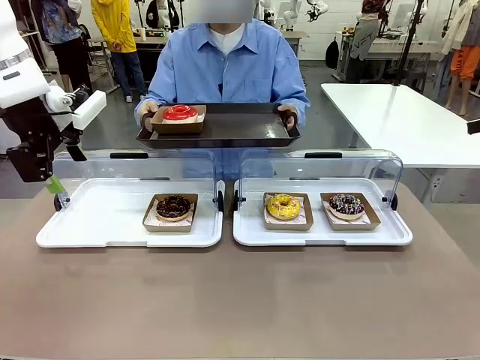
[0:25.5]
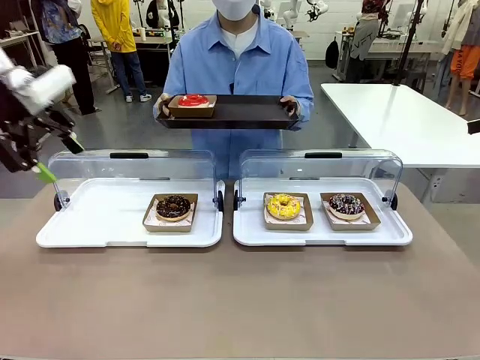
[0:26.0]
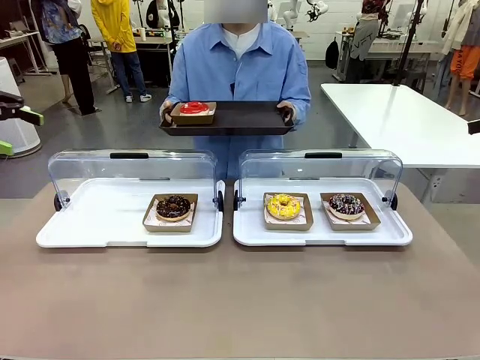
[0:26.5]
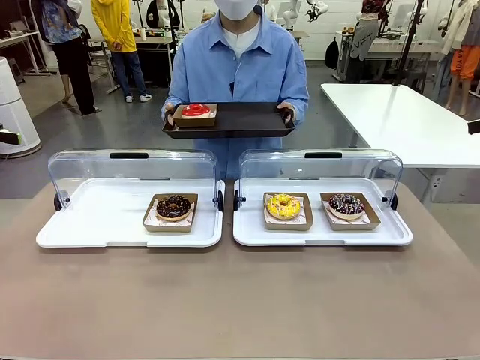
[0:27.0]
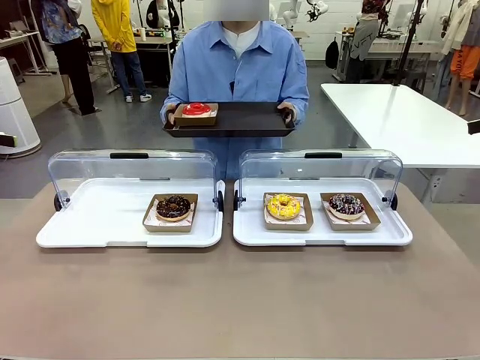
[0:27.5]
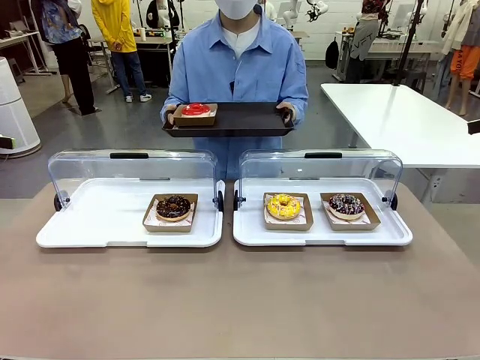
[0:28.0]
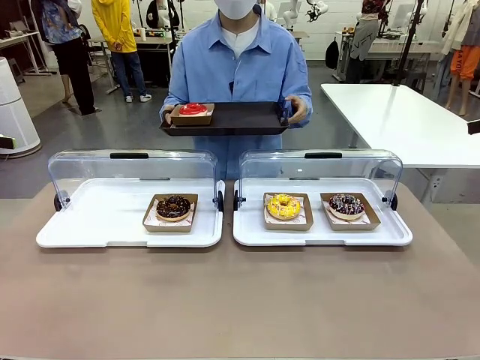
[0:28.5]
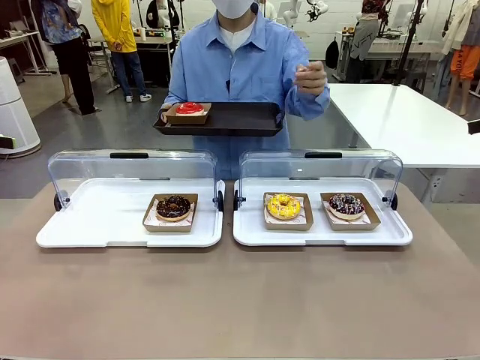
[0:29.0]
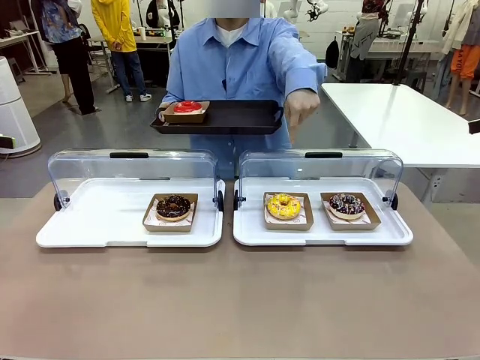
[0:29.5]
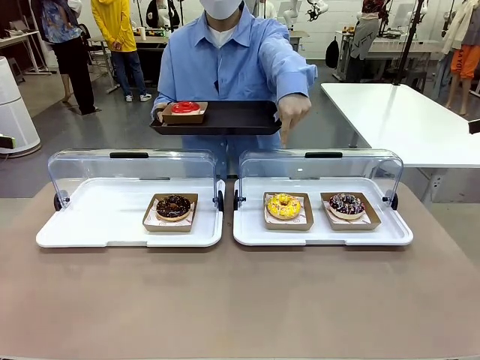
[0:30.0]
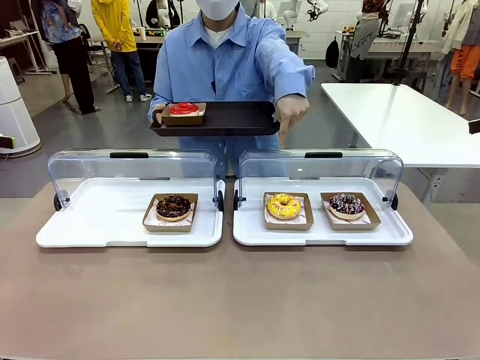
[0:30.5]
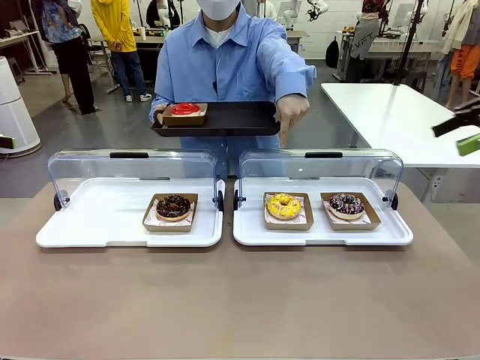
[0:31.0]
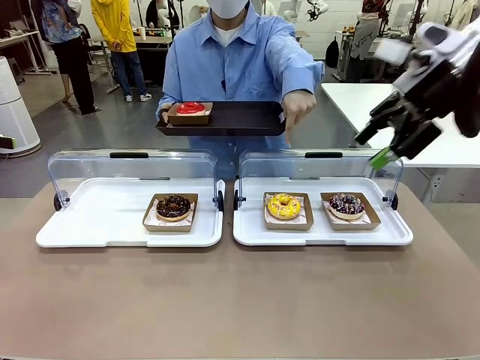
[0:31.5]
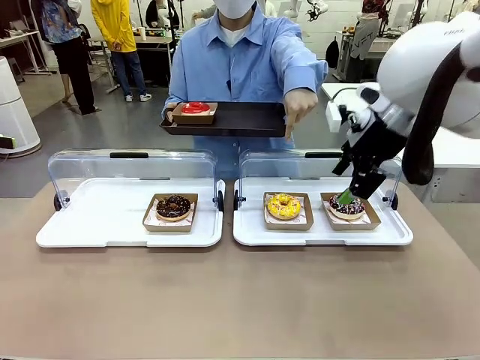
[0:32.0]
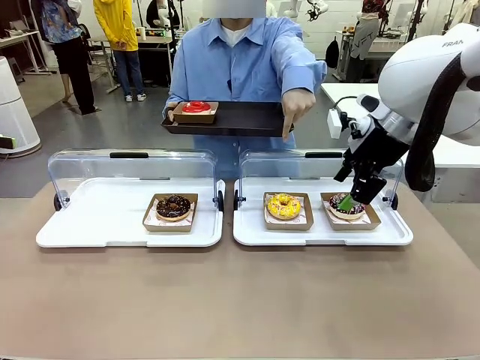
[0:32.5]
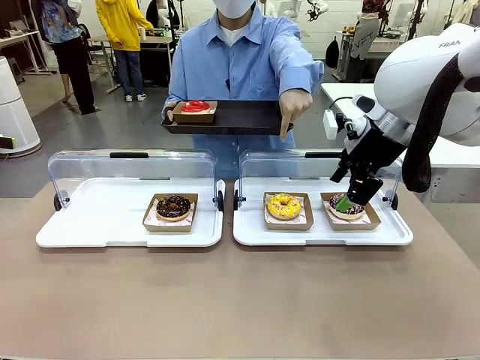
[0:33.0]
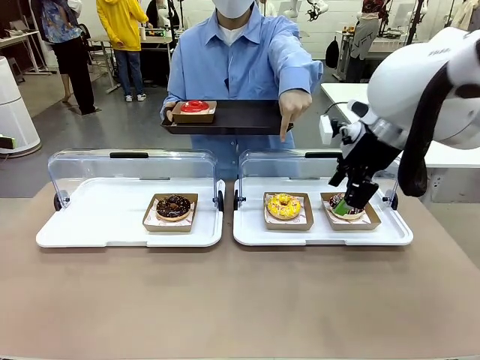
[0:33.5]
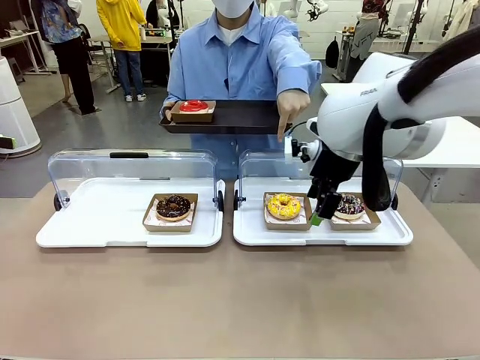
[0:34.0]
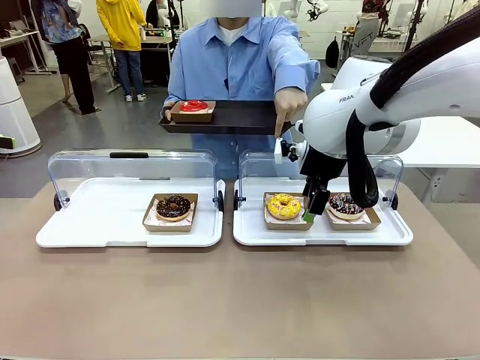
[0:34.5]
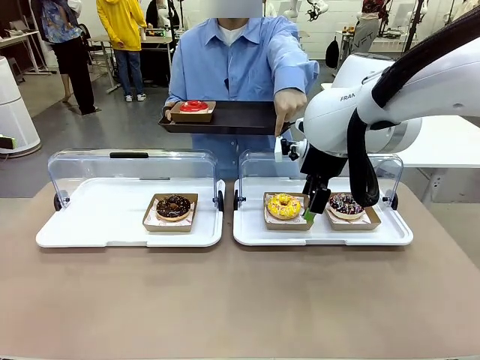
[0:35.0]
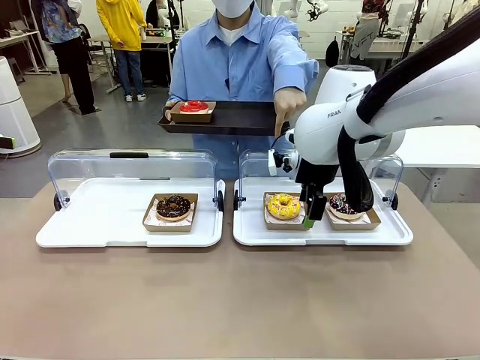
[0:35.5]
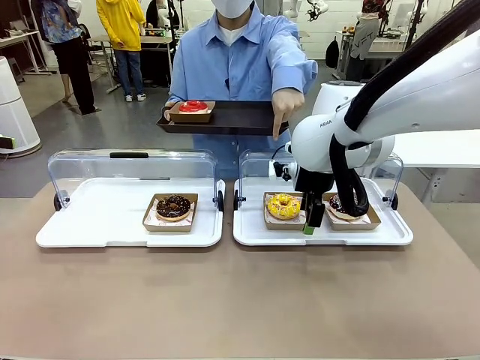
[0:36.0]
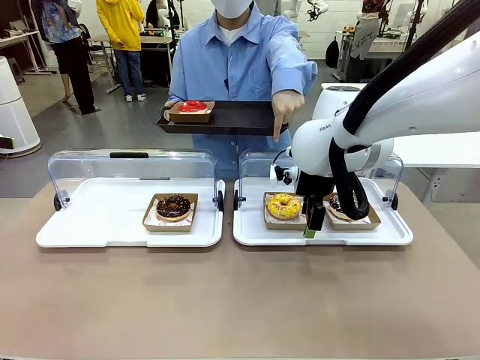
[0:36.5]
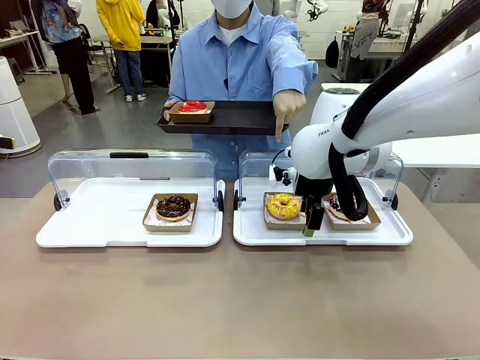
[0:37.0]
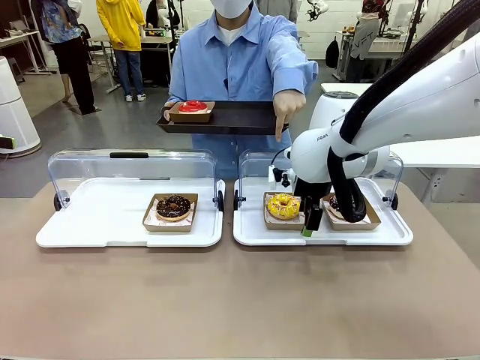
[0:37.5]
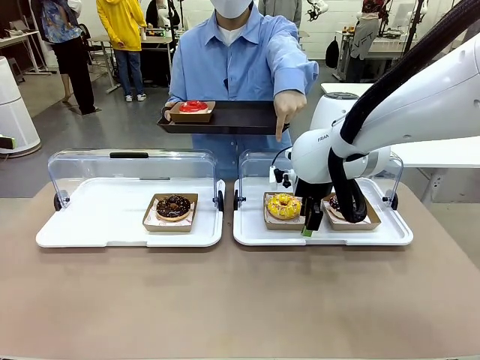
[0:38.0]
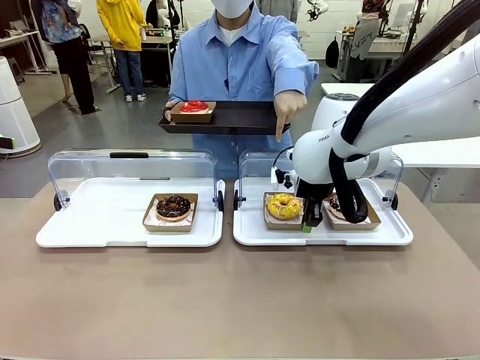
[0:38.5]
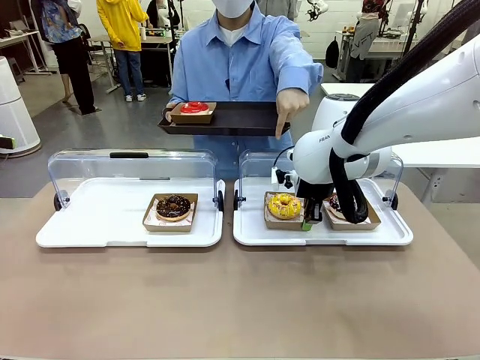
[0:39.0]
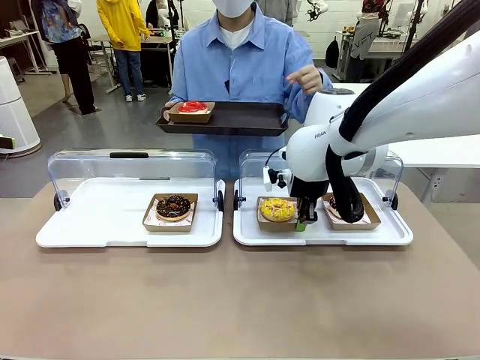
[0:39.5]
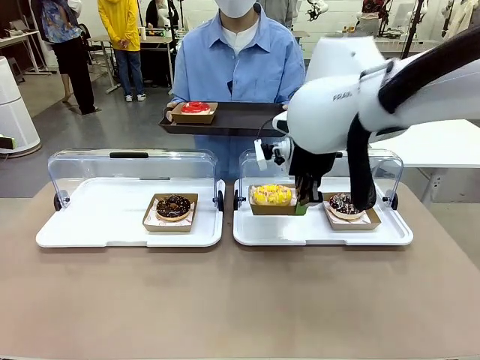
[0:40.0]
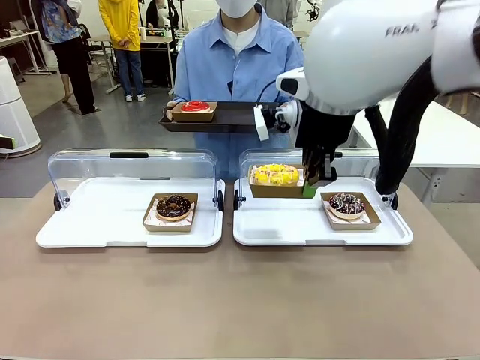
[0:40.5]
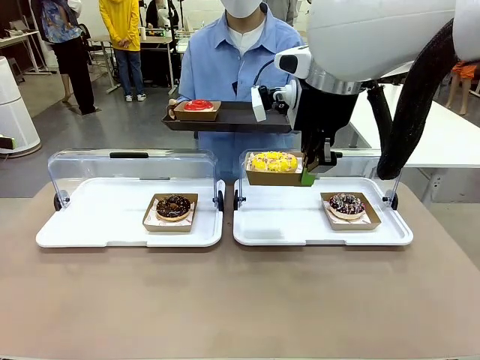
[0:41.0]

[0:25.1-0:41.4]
Task: Provide the desired donut to the person.
Robot: Pick up and lift the Paper togo box containing the Donut pointed at by the person.
Person: Point to one donut. Lift the tray onto the Roll-Top Bakery Case.

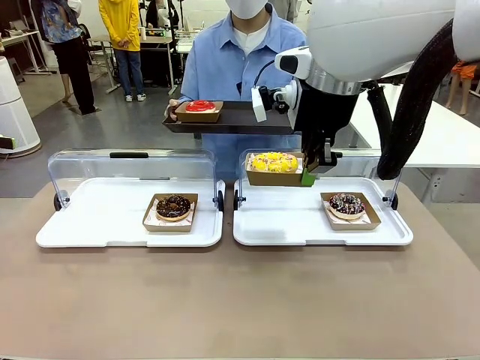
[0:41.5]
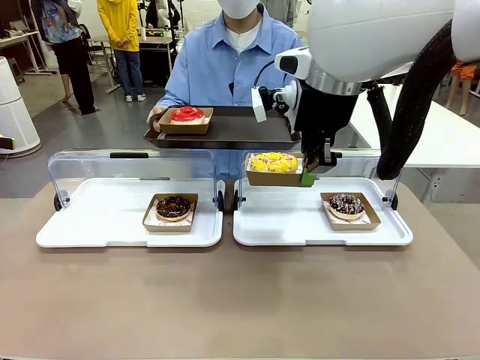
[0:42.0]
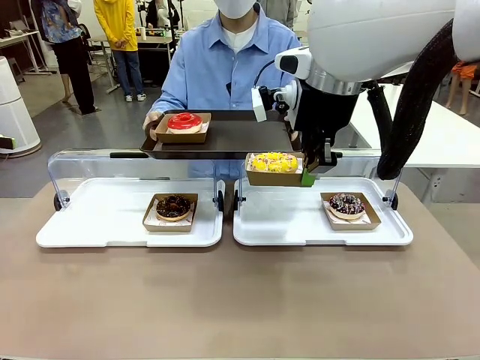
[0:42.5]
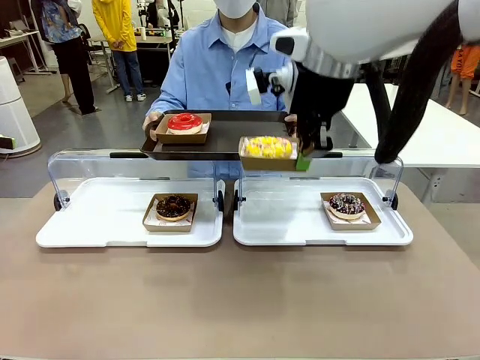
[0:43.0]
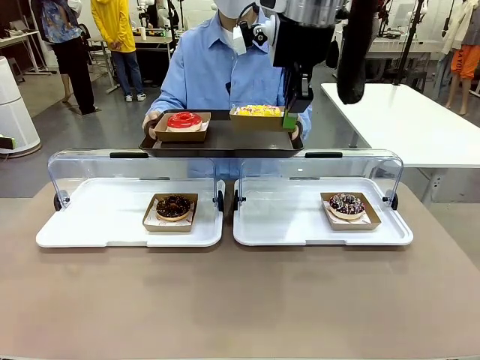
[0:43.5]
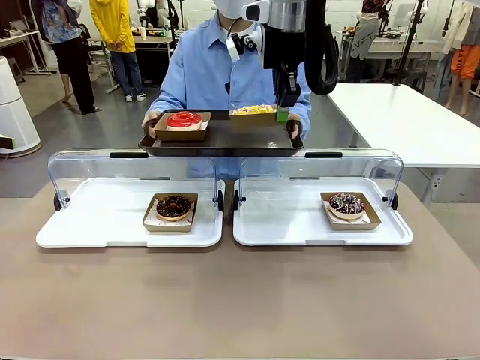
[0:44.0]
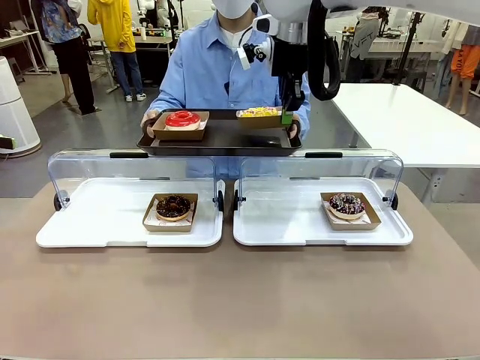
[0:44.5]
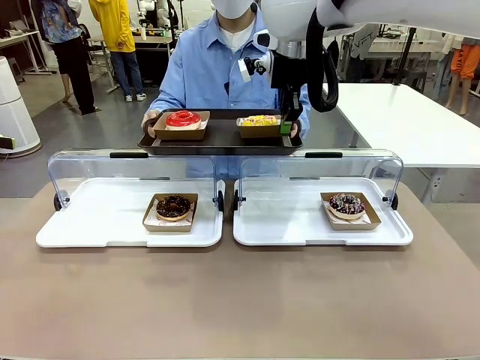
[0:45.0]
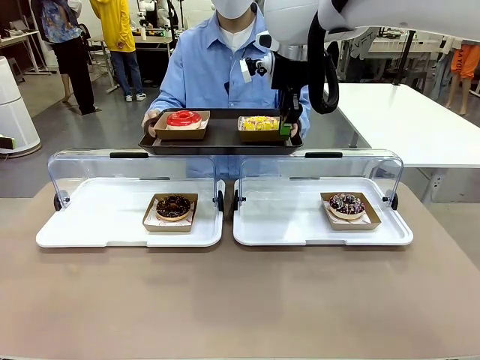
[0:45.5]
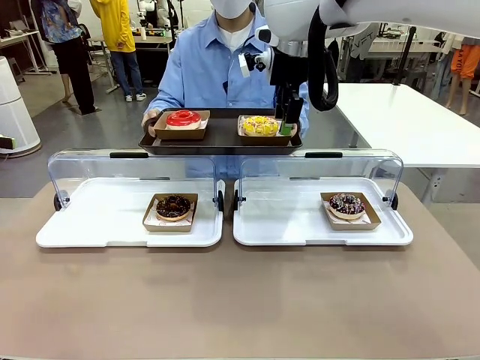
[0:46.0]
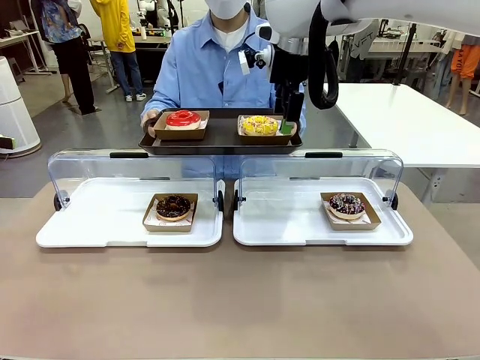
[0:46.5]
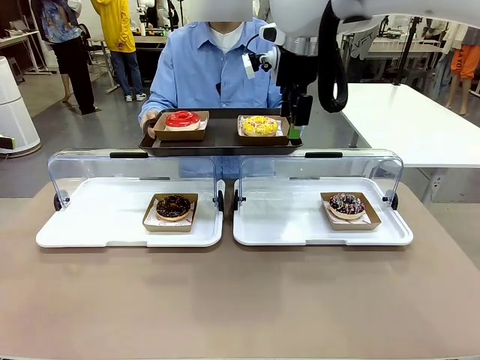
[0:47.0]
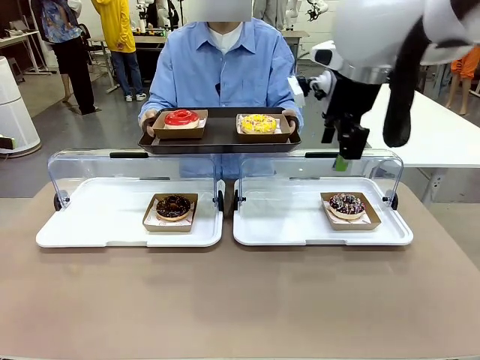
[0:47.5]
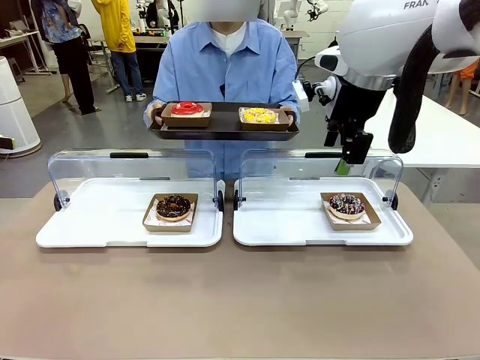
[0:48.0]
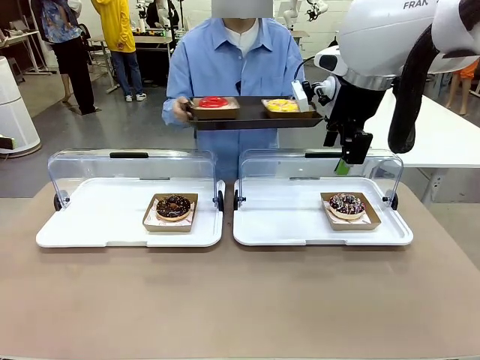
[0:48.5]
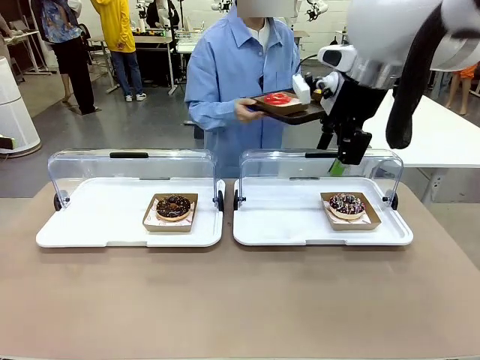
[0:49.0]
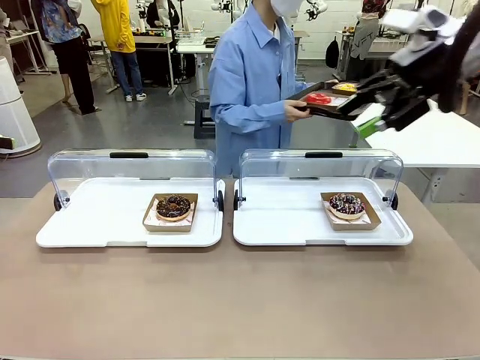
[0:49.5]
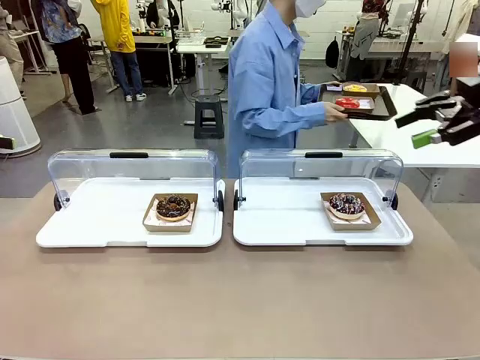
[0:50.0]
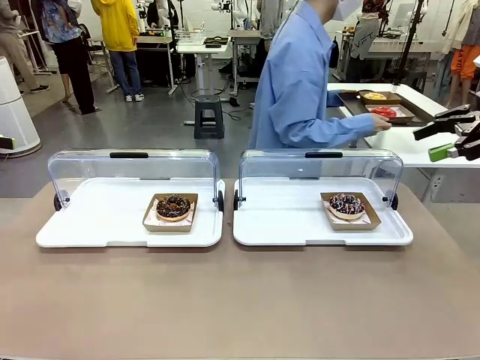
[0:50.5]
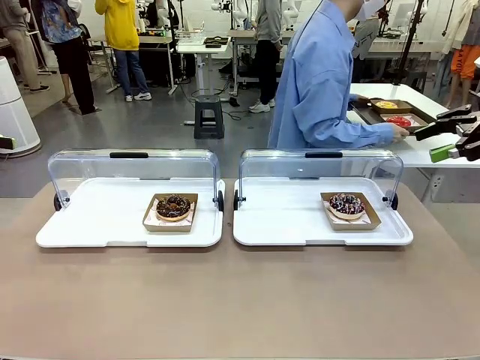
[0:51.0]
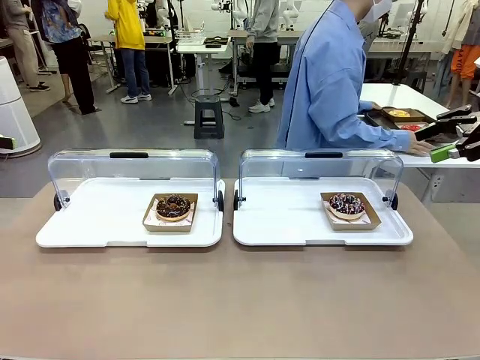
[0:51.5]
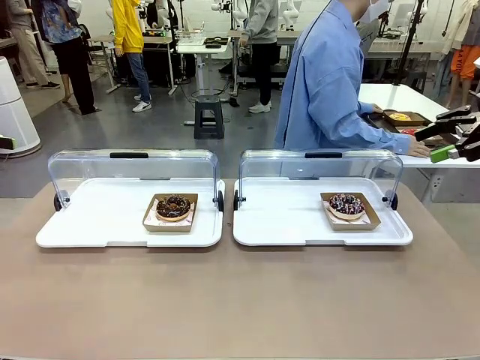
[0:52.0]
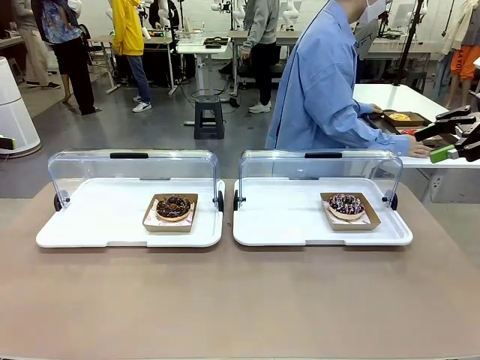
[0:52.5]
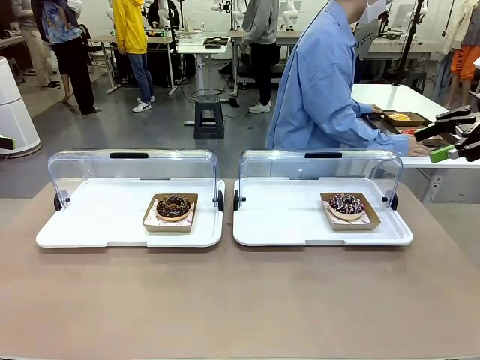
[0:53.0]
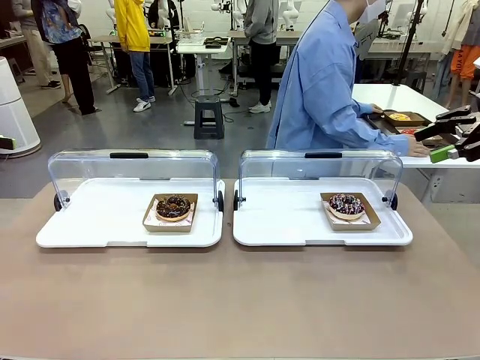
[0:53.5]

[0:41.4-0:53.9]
Robot: Place the picked Paper togo box onto the Handle tray extended by the person.
Person: Place the tray in the middle of the human table.
